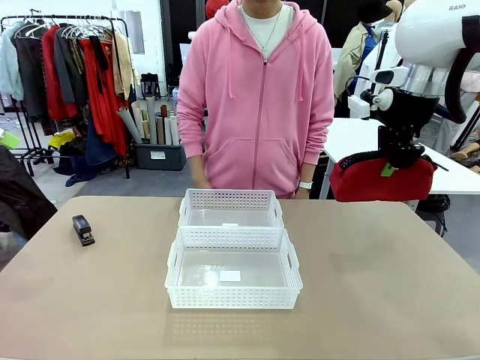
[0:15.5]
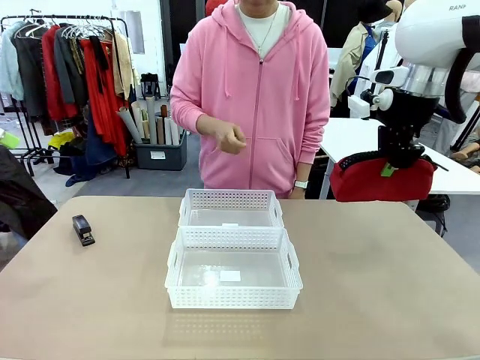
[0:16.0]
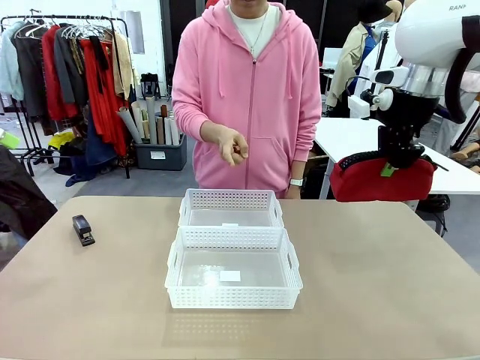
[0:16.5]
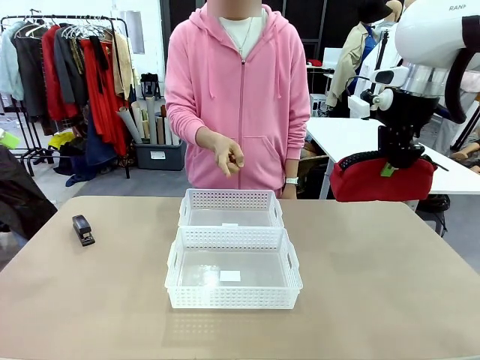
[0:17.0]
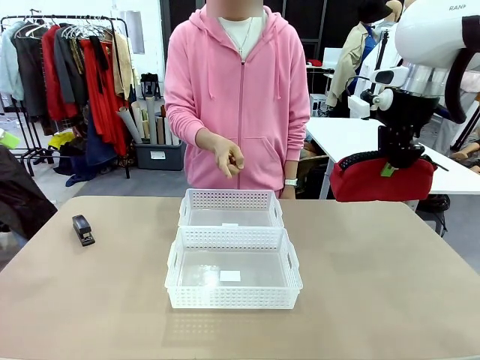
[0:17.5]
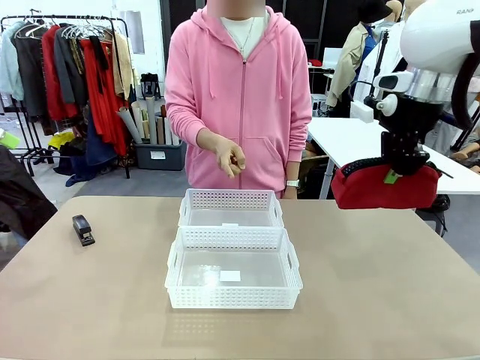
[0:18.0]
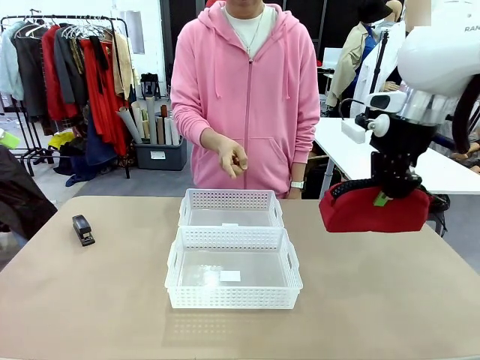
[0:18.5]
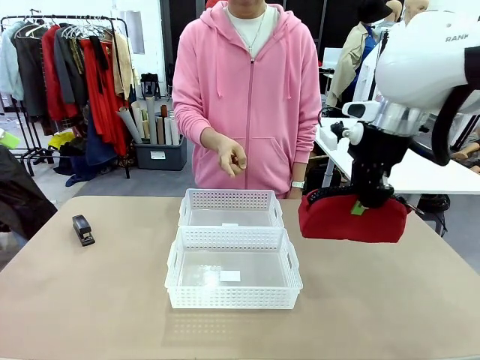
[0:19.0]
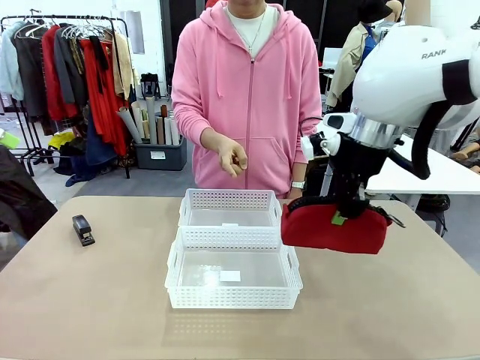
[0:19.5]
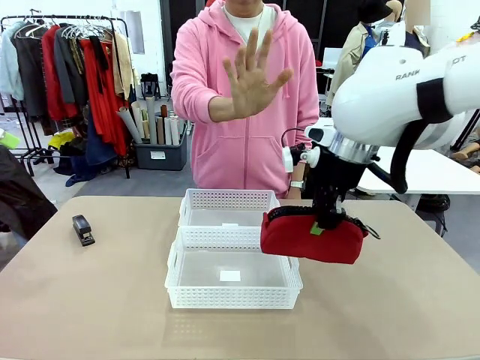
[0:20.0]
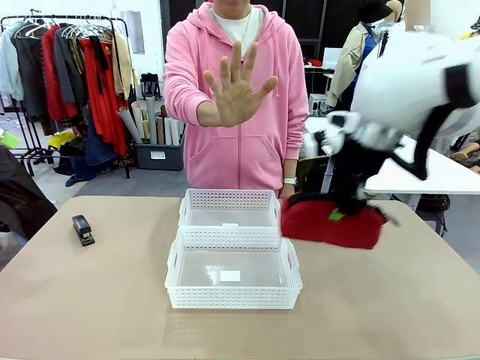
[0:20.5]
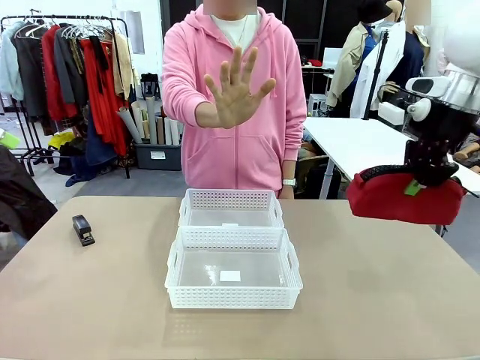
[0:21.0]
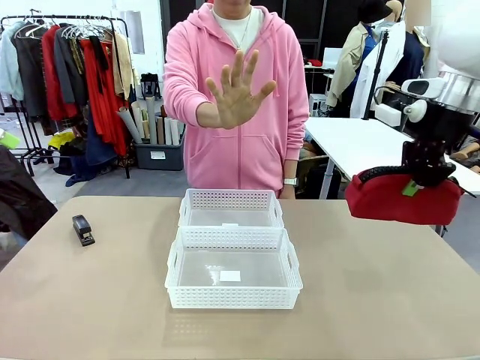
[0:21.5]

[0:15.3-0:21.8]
Task: Distribute items into two baskets.
Robot: Move the picked Pencil pouch towards the Organizing basket indicated by the person, stopping as directed.
Person: Sends a stop gesture before the robot places the pencil case into the basket.

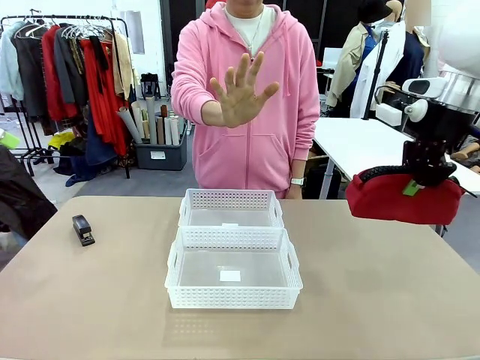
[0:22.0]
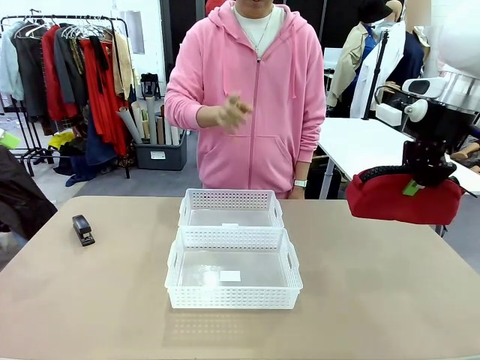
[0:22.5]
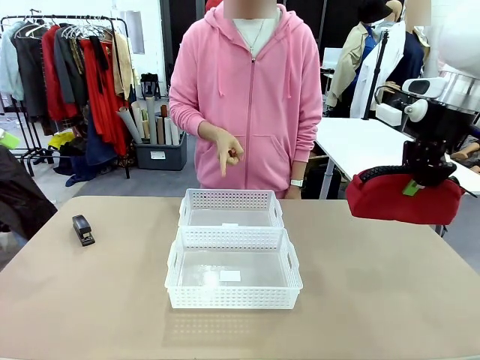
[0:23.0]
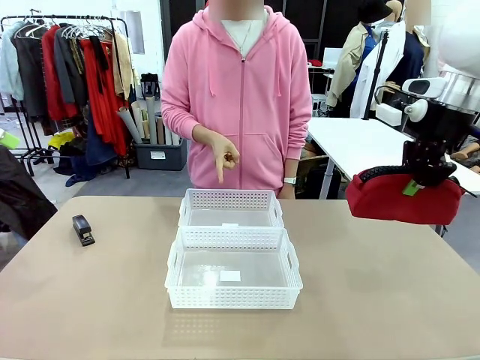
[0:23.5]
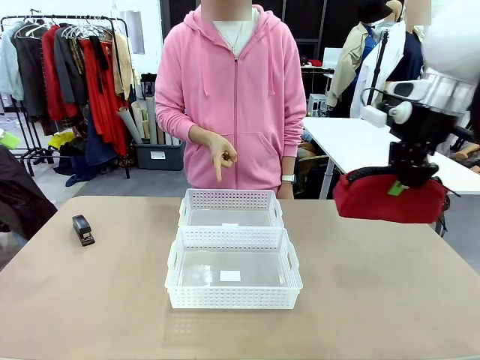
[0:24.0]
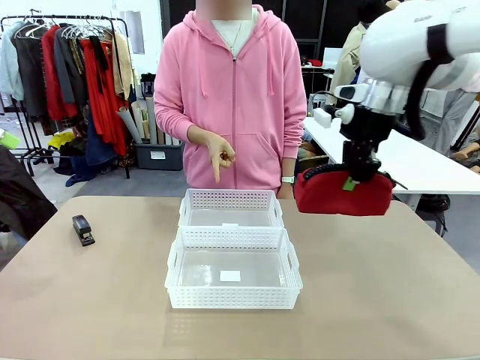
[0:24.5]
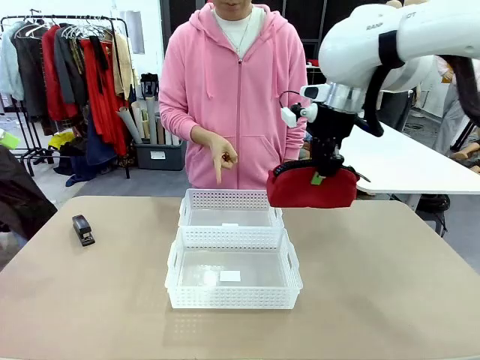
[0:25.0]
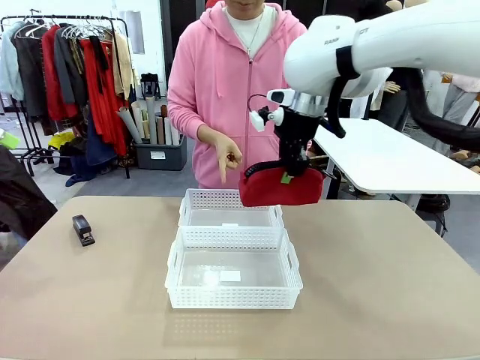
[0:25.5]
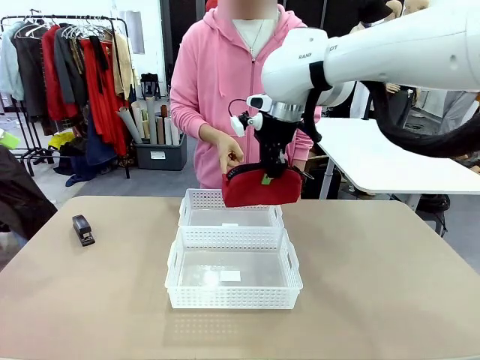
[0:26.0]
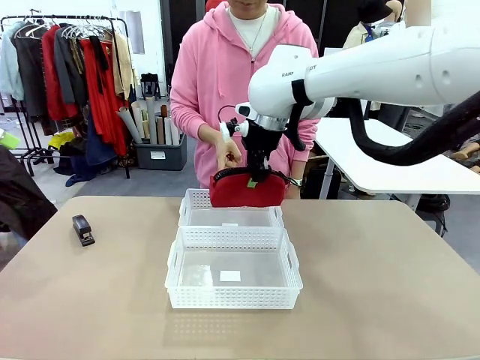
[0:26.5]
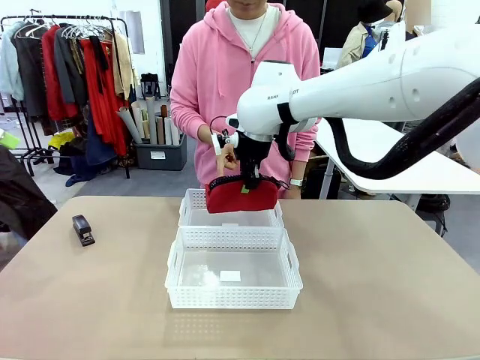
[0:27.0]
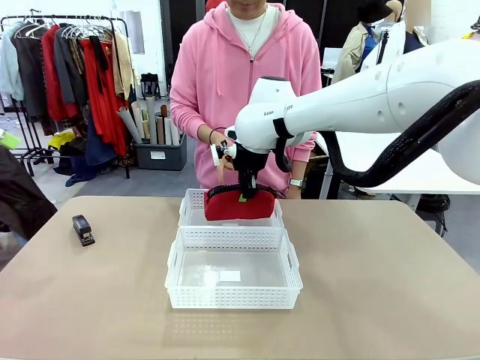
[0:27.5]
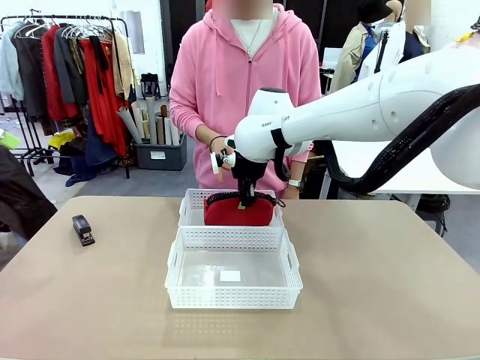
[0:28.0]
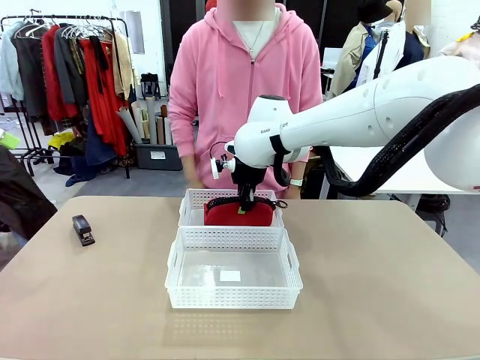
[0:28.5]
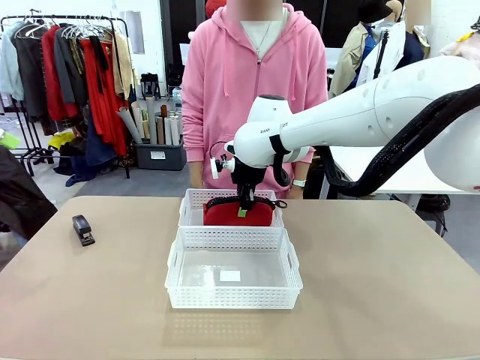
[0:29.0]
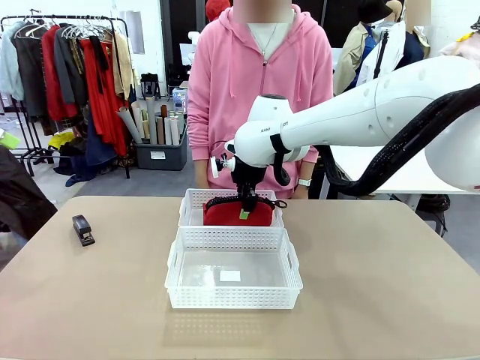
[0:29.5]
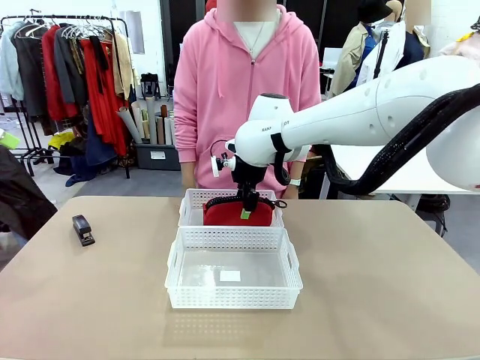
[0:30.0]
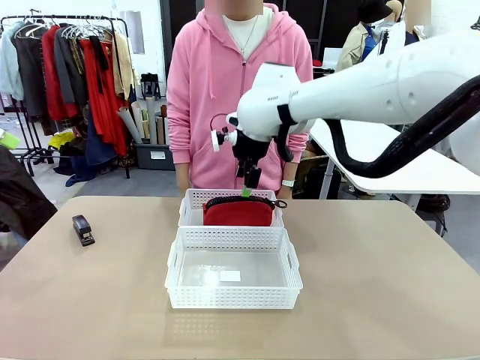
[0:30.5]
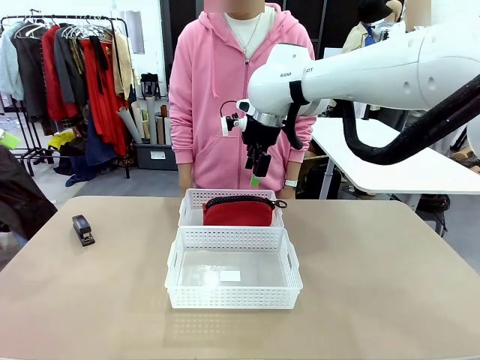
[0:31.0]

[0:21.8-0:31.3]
Robot: Place the picked Pencil pouch into the Organizing basket as instructed by the person.
Person: Instructs the robot to place the pencil case into the opposite basket. Points to the stapler.

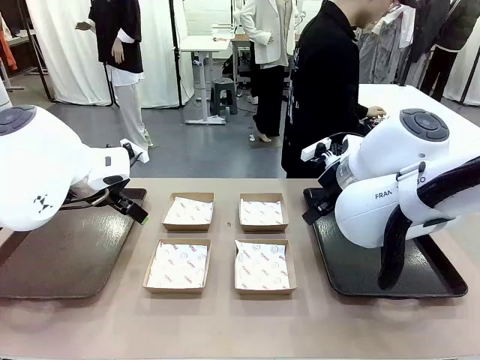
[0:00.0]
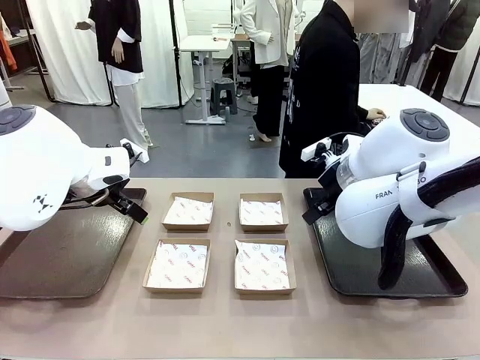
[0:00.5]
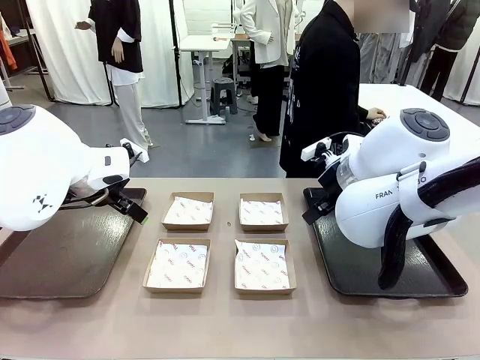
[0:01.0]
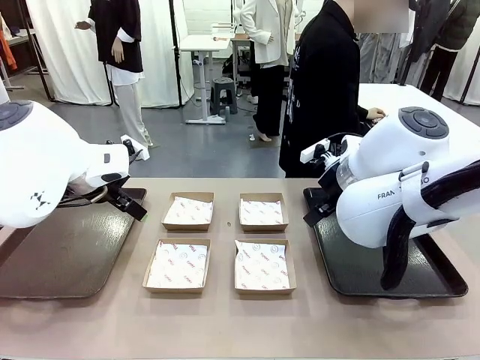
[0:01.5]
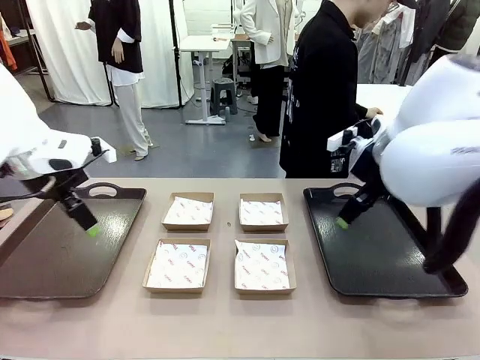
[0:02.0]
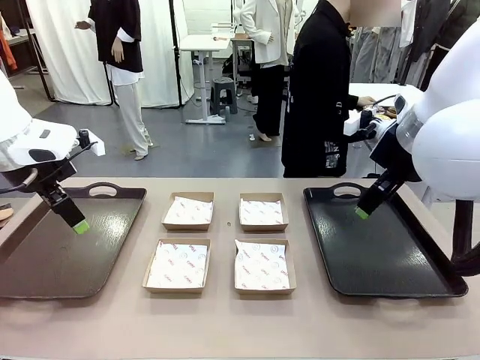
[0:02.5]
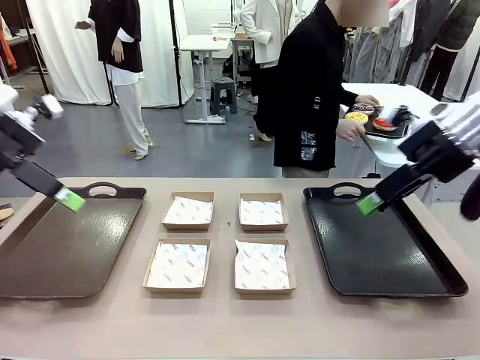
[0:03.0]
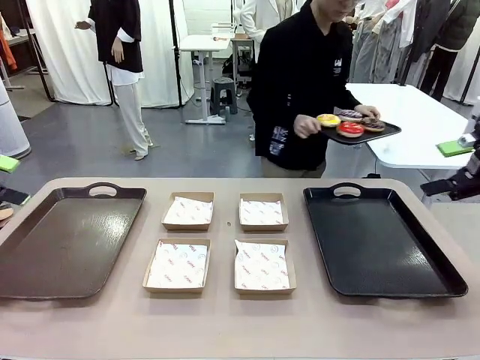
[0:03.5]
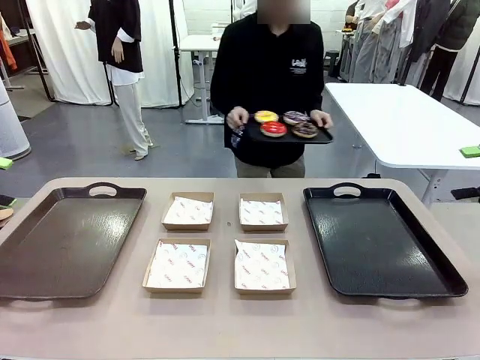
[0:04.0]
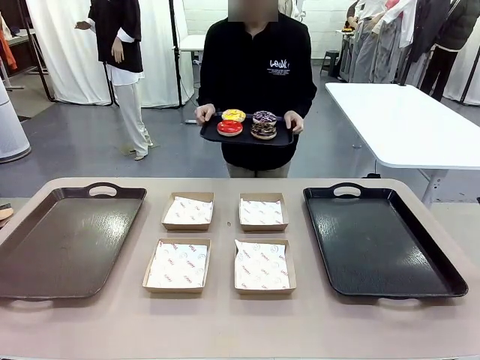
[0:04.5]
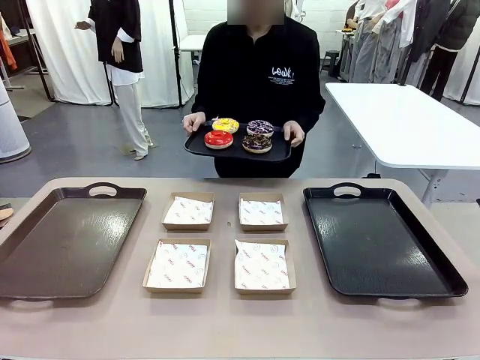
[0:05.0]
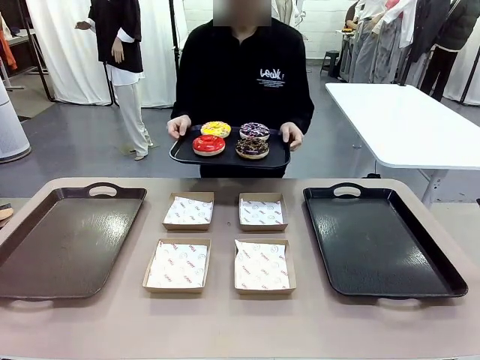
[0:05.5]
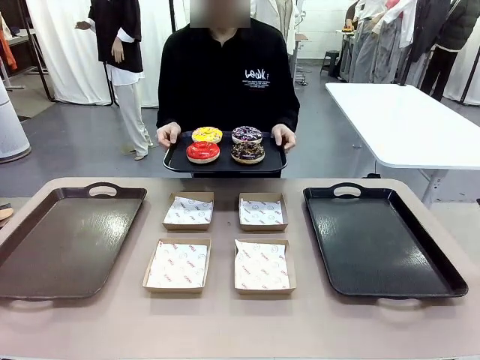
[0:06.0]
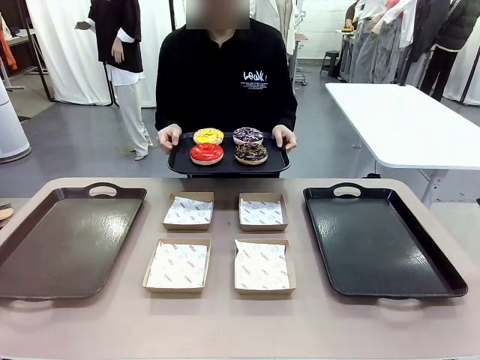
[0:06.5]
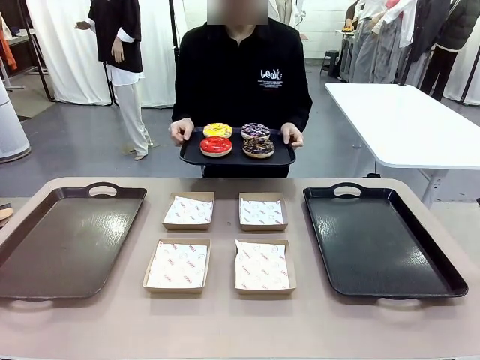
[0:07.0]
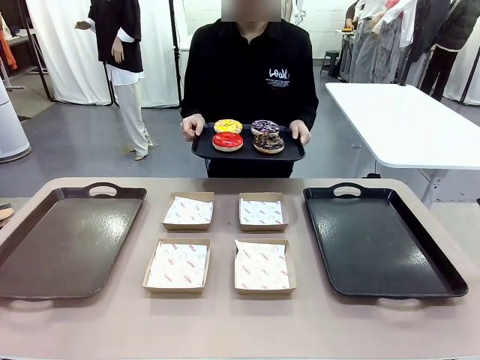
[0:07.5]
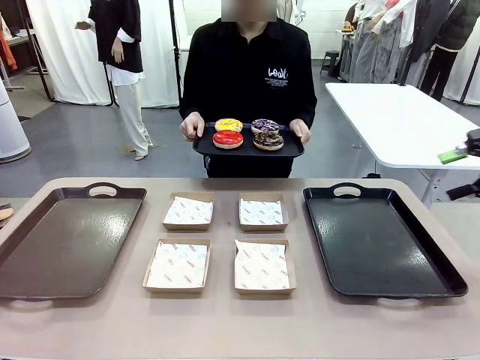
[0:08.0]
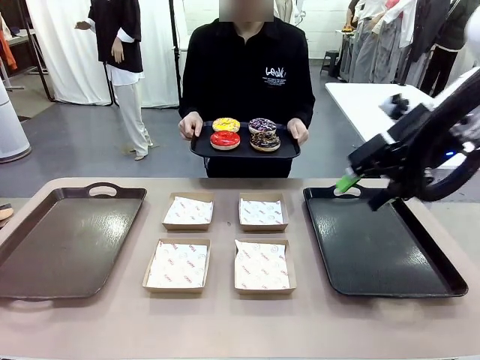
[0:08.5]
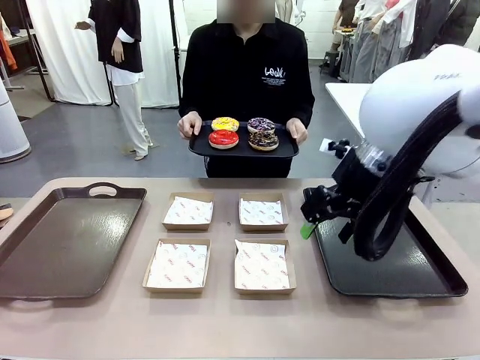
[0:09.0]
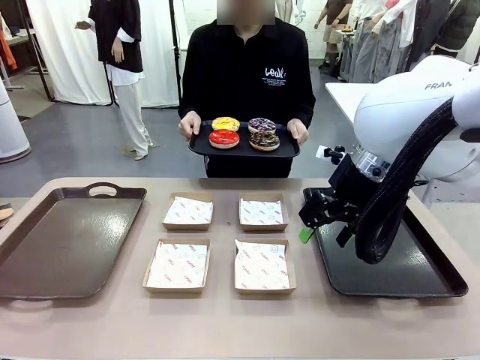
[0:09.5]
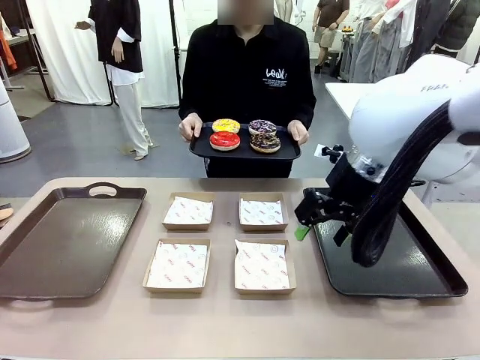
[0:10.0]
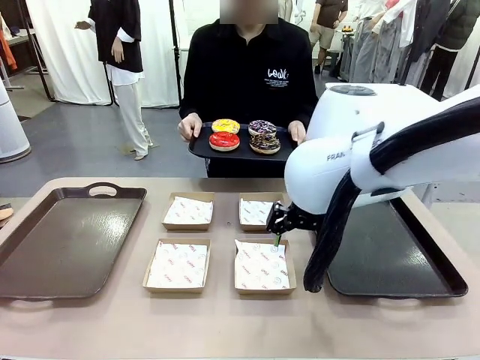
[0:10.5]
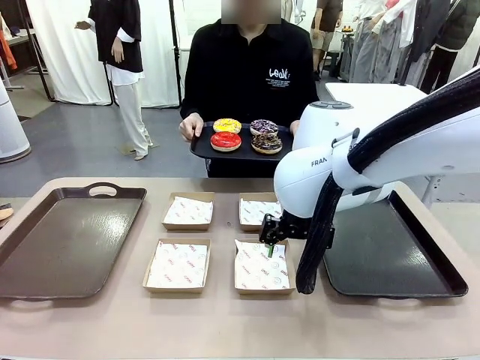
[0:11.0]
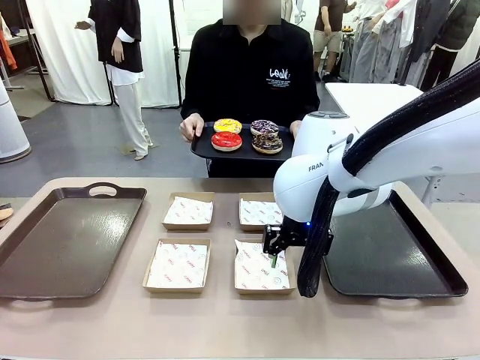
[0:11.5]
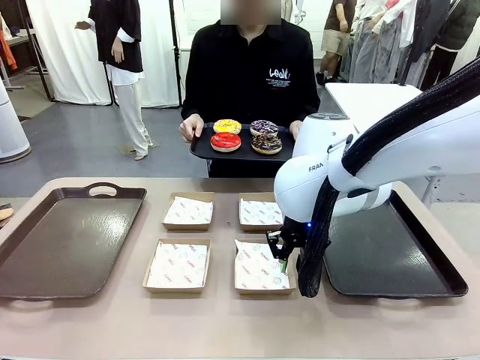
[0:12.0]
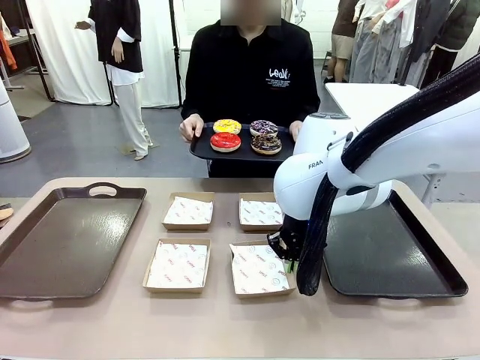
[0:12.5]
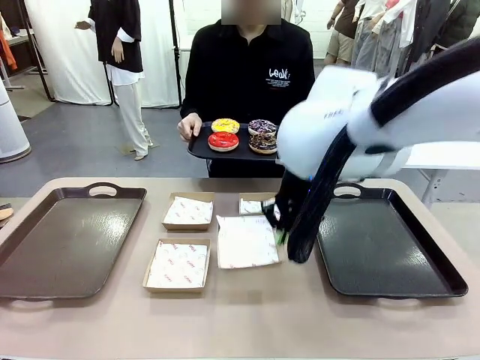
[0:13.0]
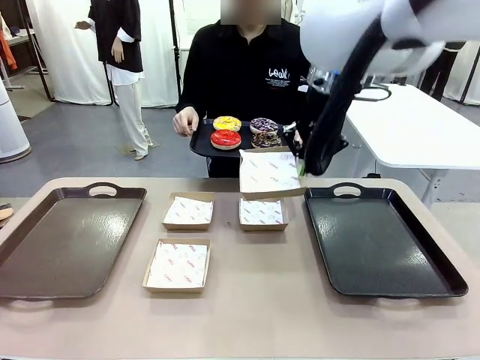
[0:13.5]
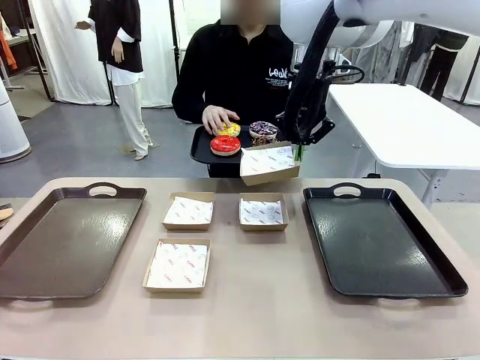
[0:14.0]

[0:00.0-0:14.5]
Task: Individually package the donuts and arrange them on the tray.
Robot: Pick up one Paper togo box.
Person: Stand in front of the robot table holding the tray containing the donuts.
